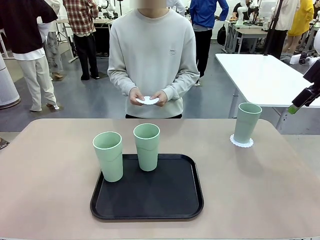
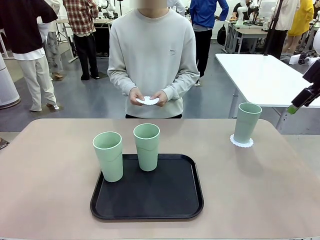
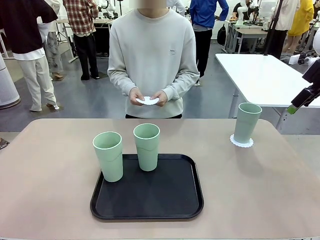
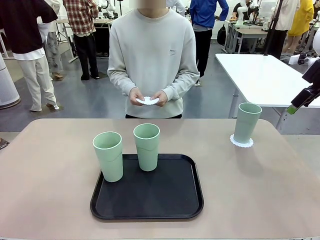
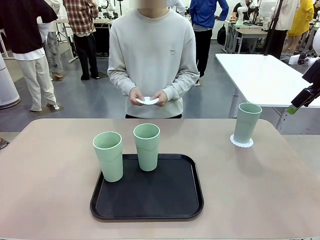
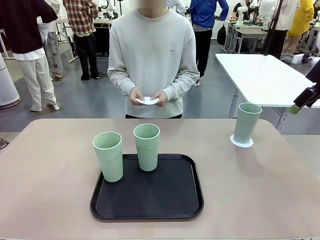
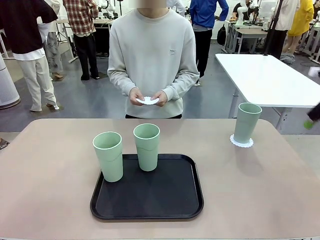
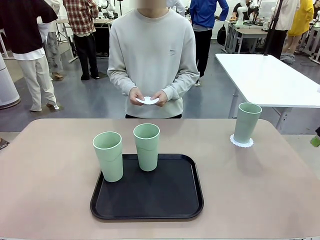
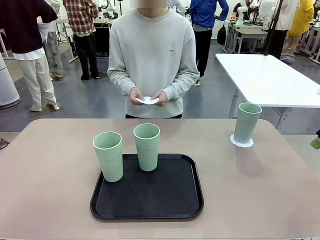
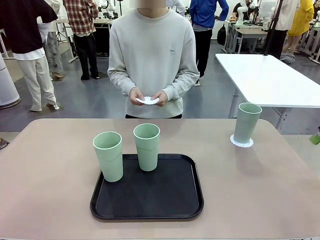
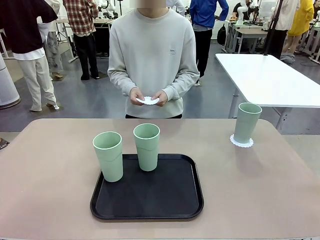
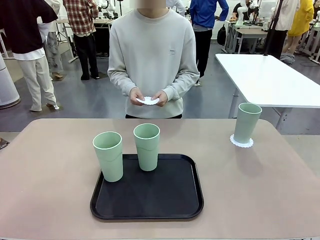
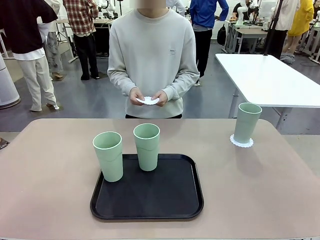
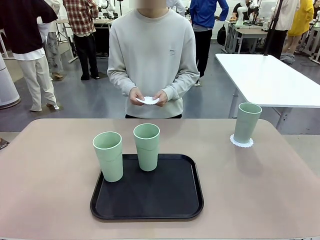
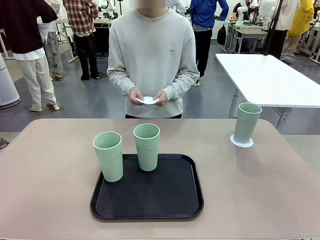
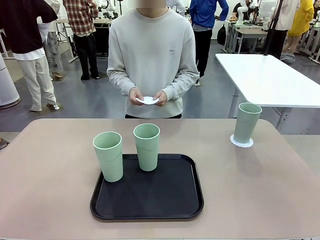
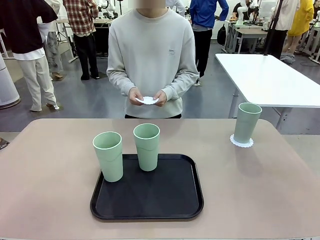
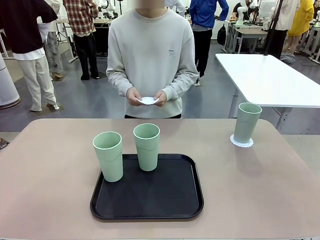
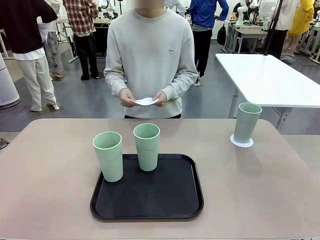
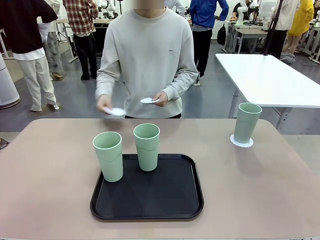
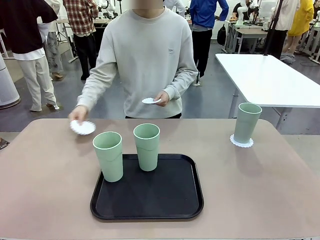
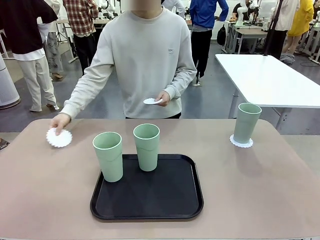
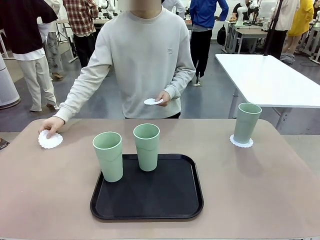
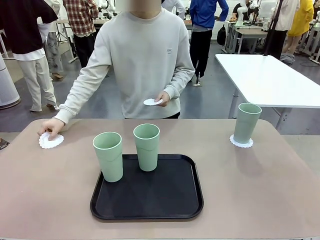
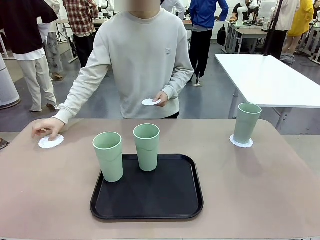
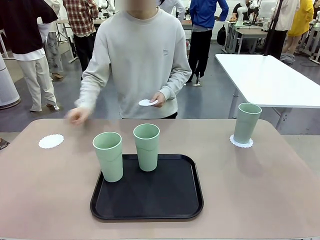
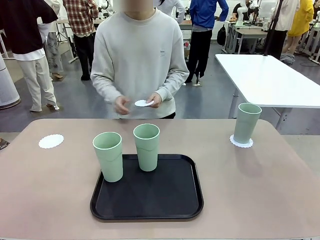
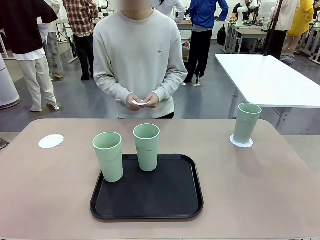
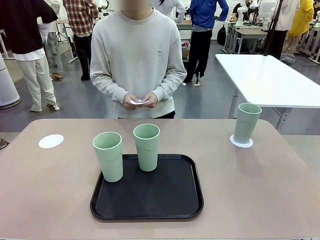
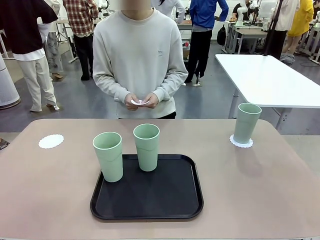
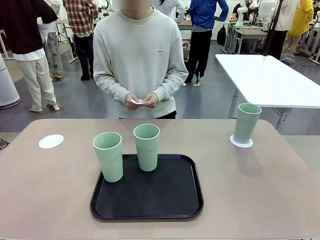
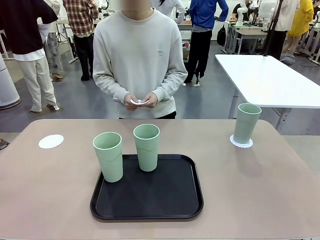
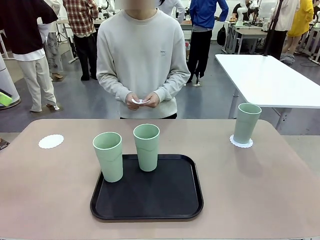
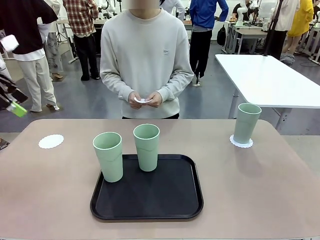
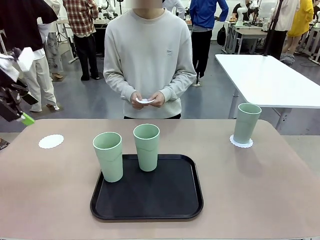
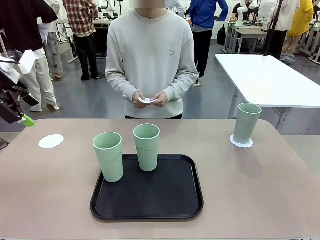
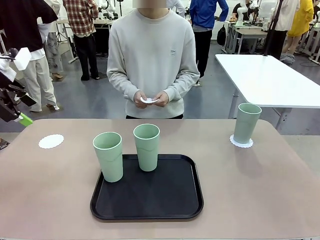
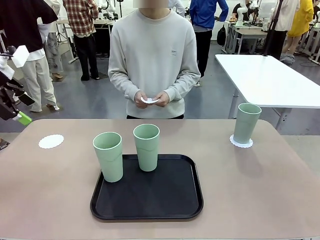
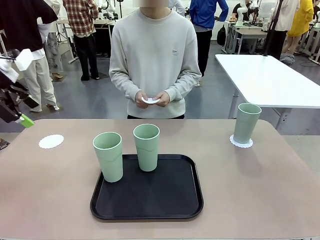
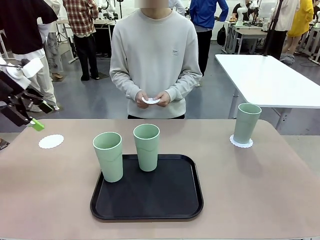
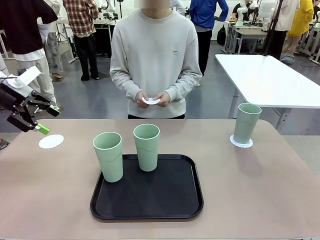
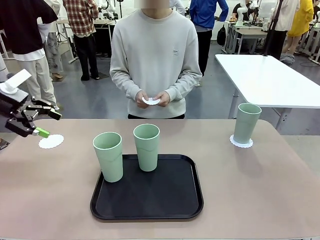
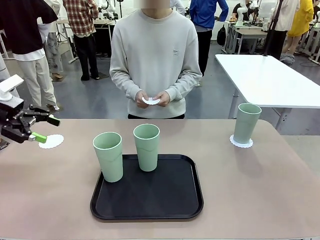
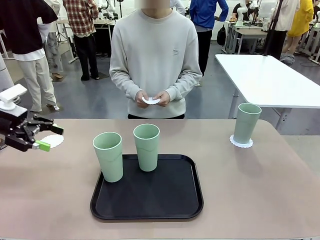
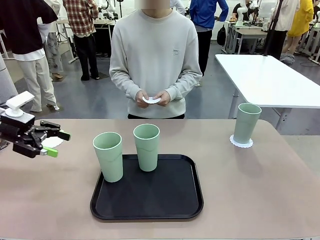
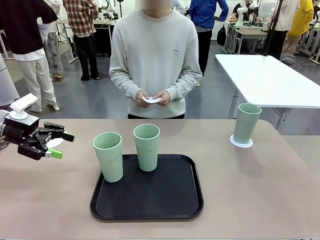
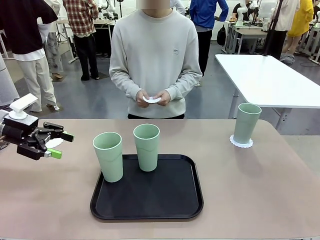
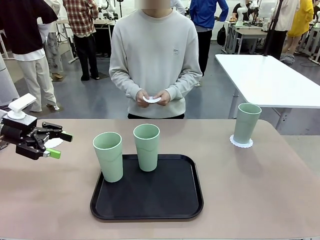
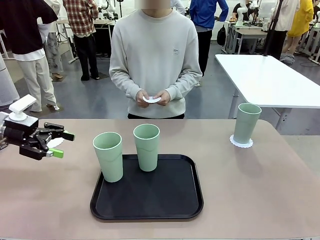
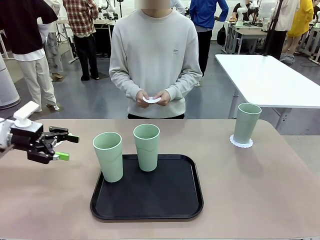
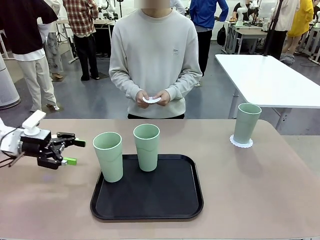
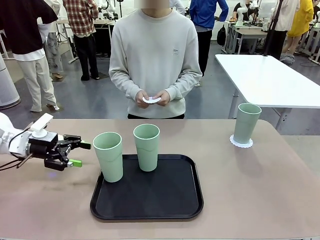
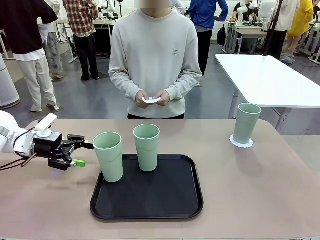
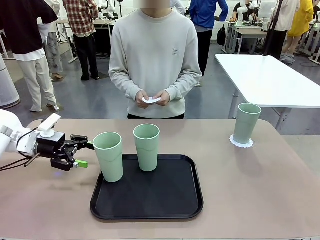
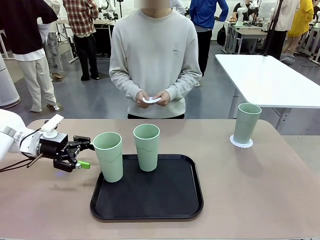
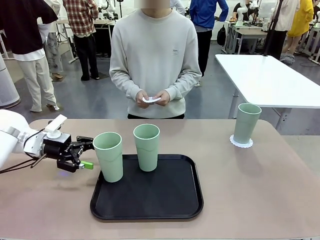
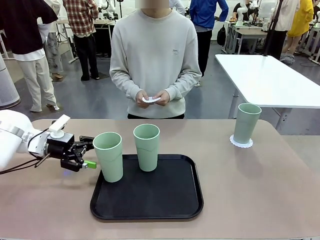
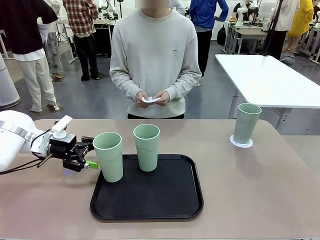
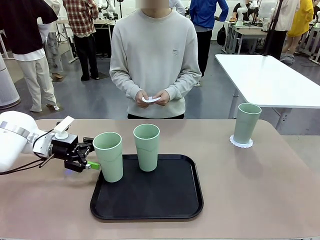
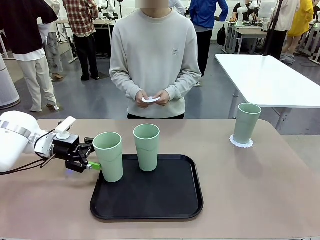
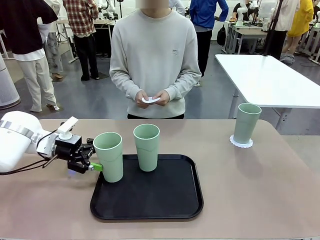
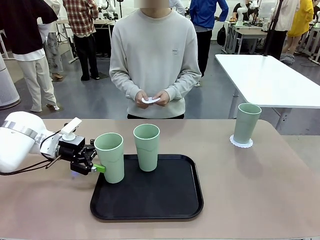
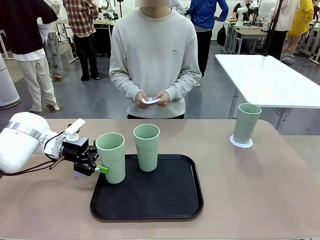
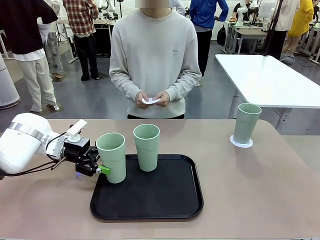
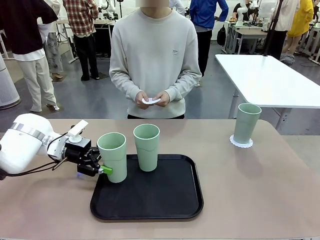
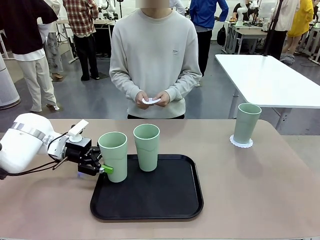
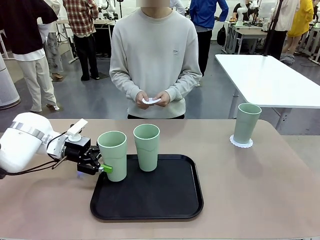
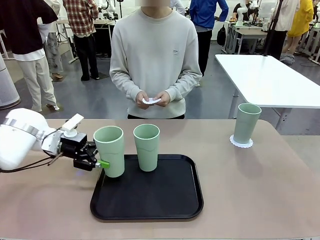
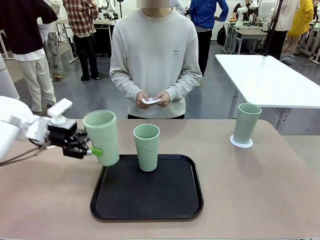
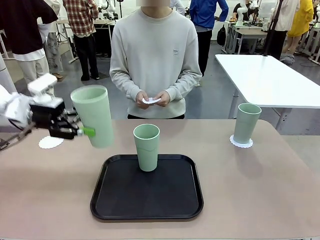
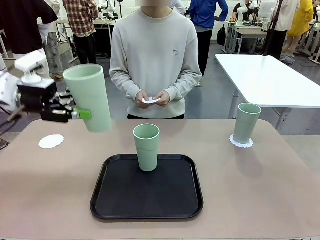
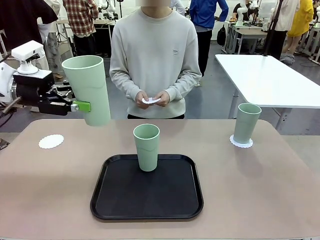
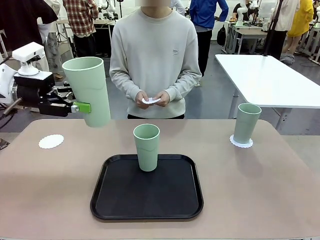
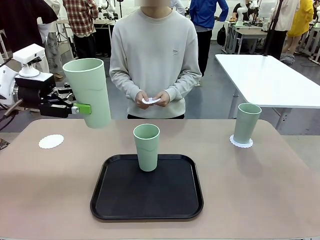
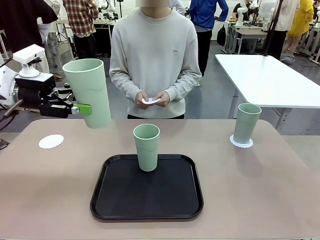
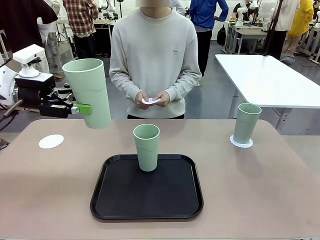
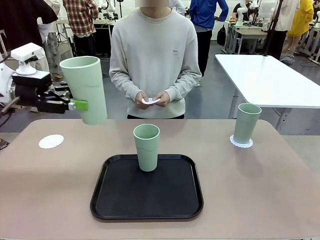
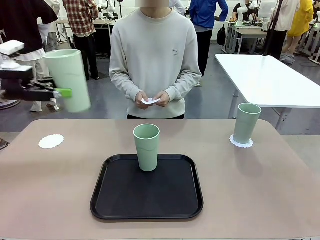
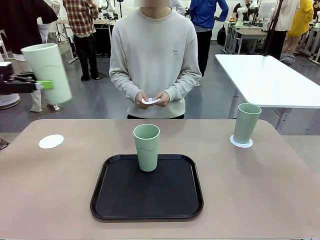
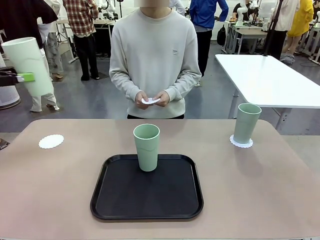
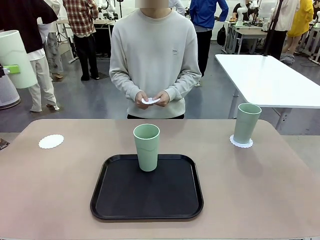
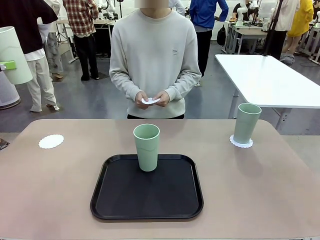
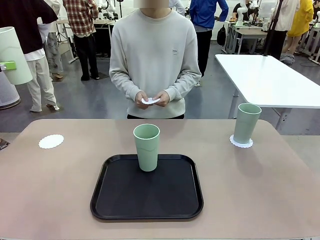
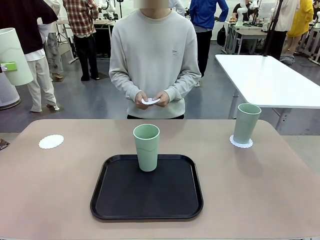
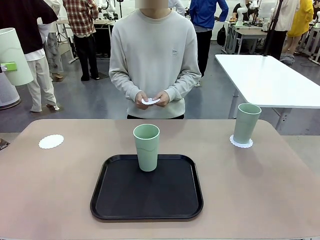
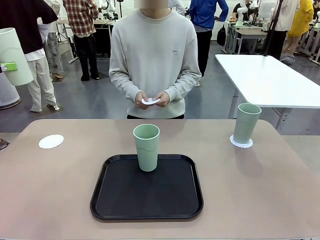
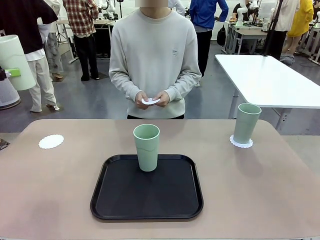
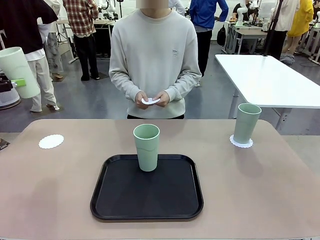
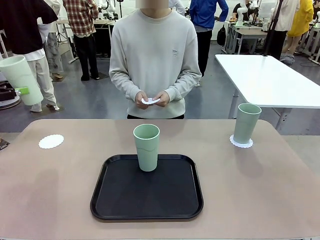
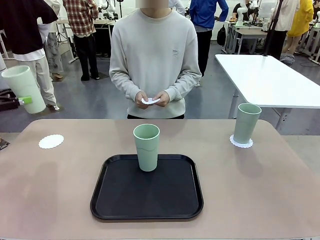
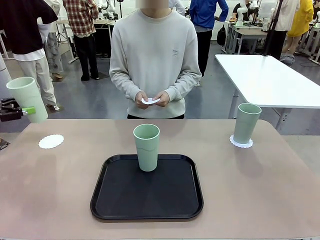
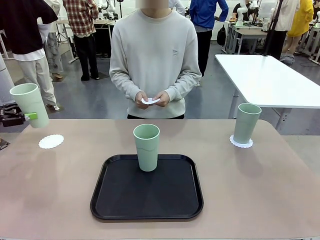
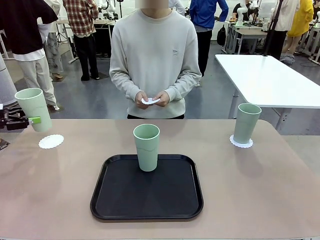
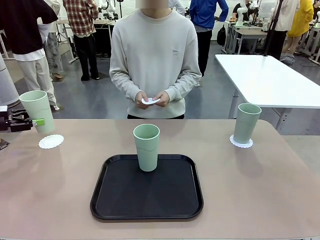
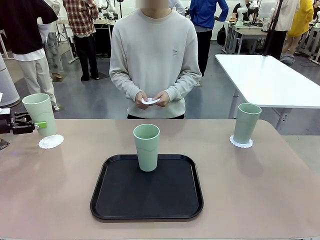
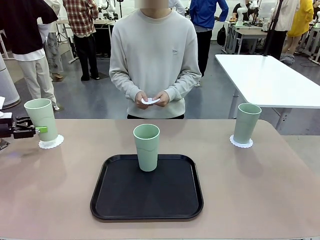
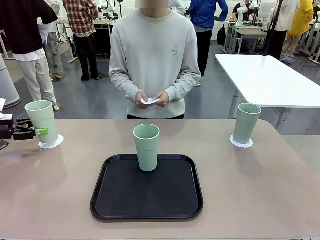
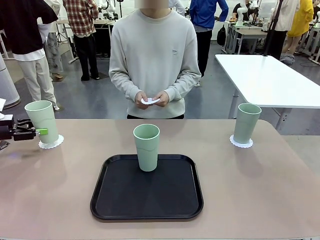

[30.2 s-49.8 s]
Task: Place coasters on the table and set cups on them.
Robot: Take one Reusable plastic cup from the Flat Tray and place it on a coaster set by the human.
